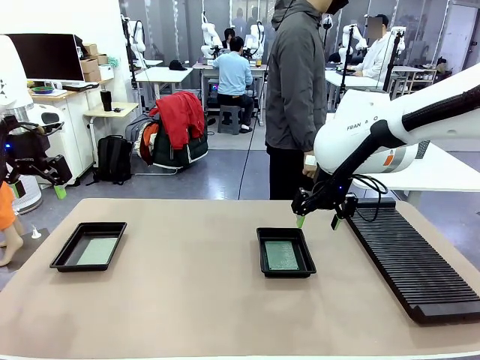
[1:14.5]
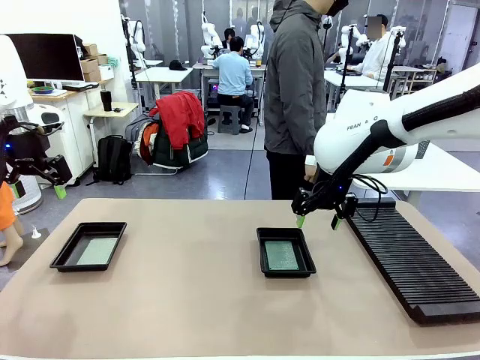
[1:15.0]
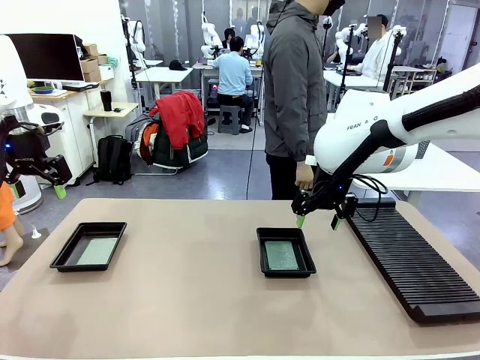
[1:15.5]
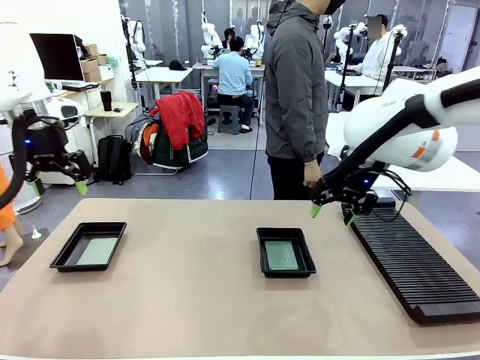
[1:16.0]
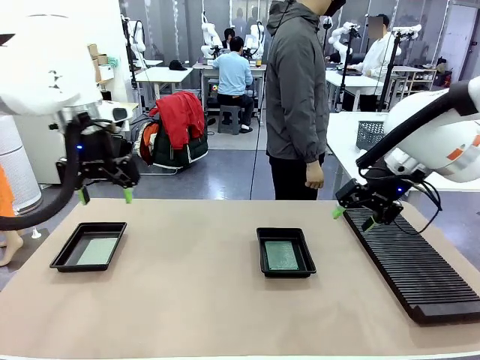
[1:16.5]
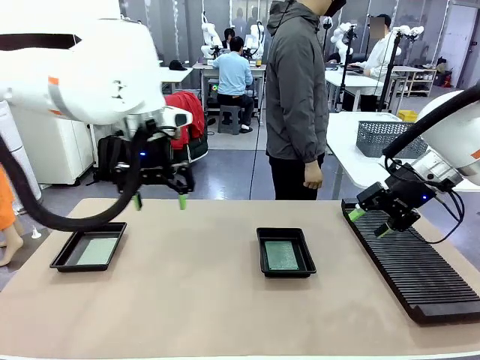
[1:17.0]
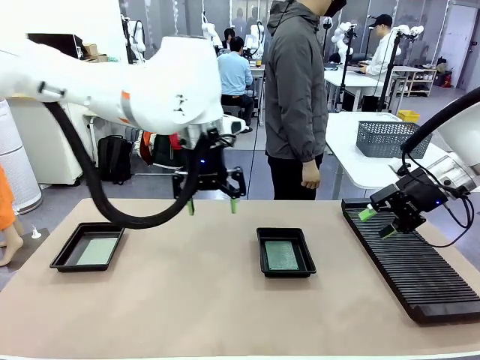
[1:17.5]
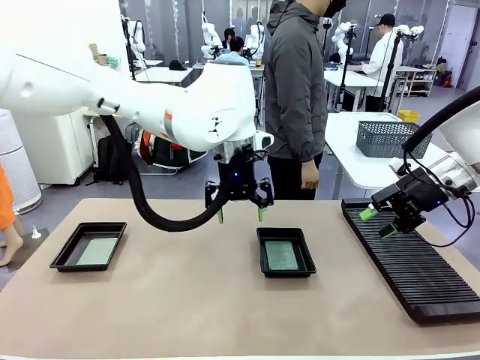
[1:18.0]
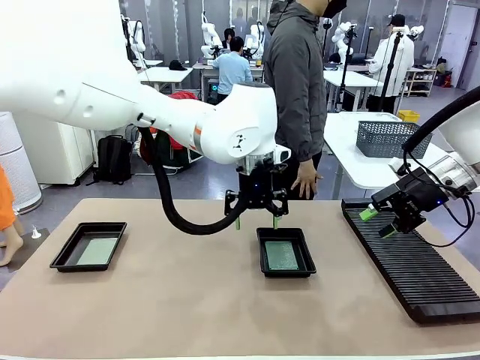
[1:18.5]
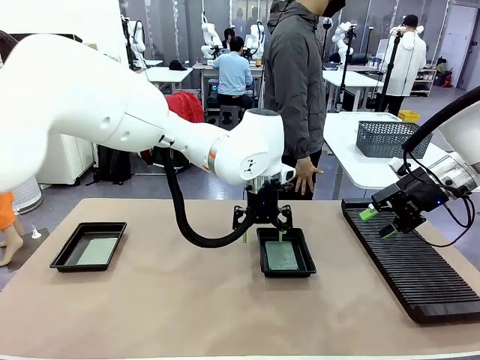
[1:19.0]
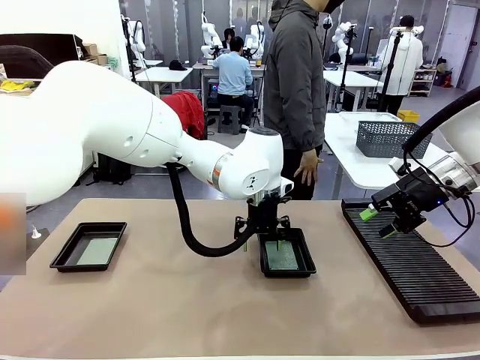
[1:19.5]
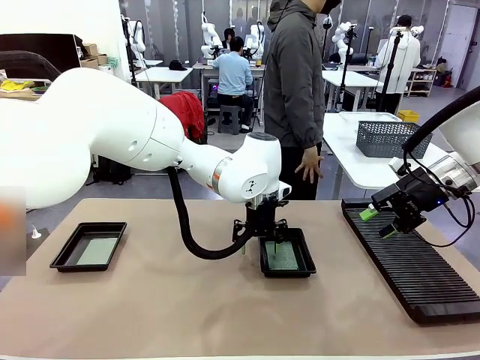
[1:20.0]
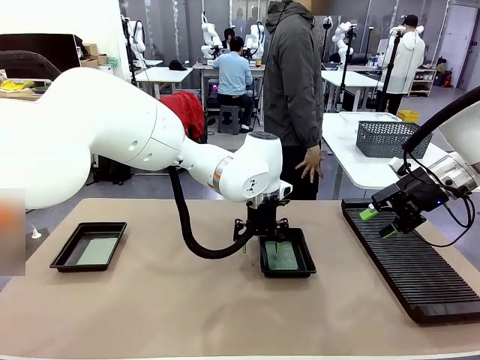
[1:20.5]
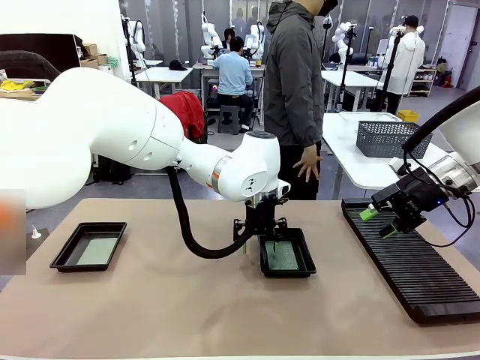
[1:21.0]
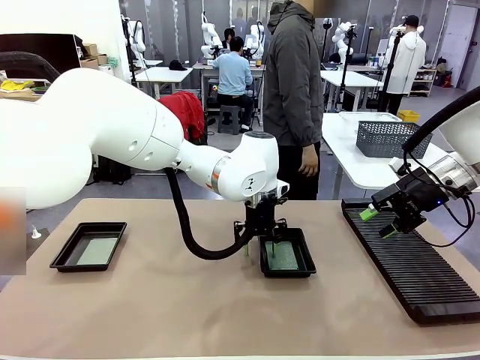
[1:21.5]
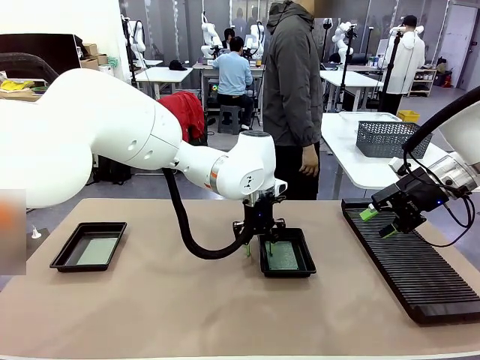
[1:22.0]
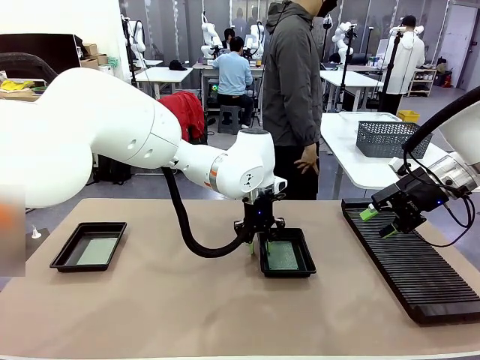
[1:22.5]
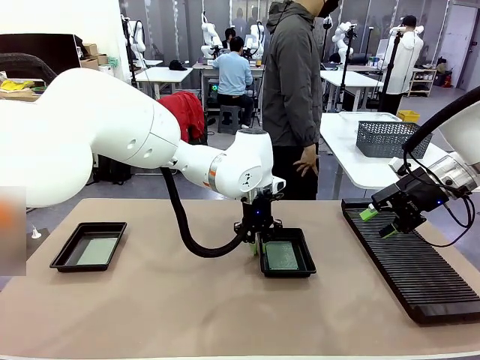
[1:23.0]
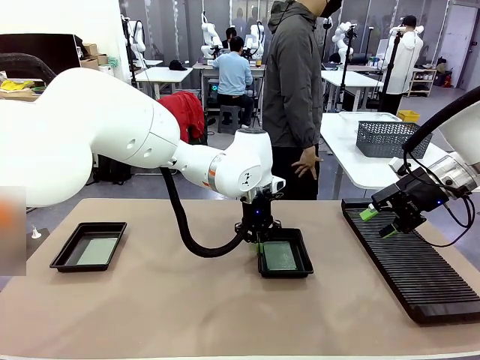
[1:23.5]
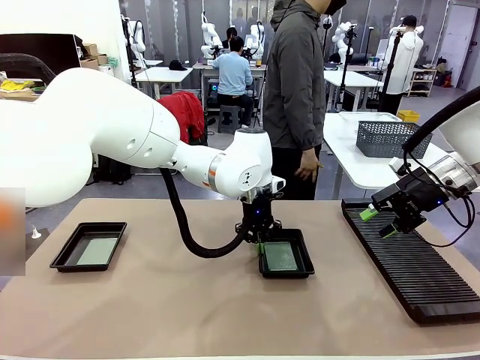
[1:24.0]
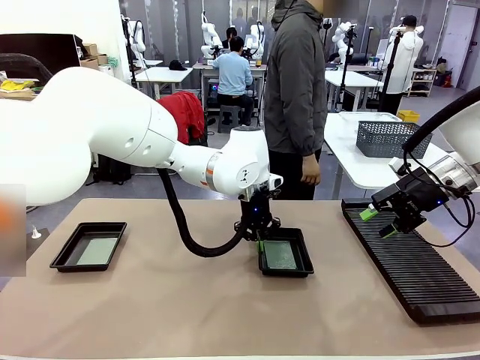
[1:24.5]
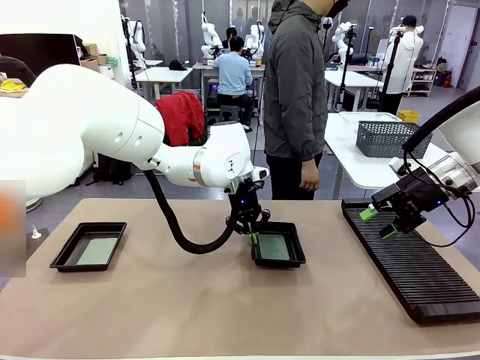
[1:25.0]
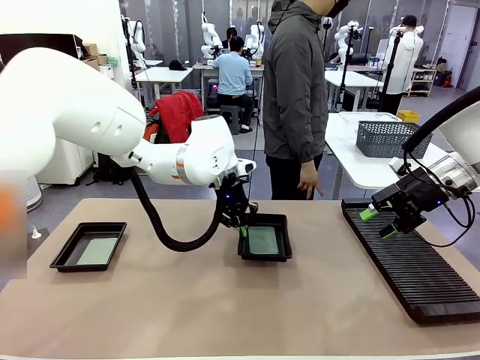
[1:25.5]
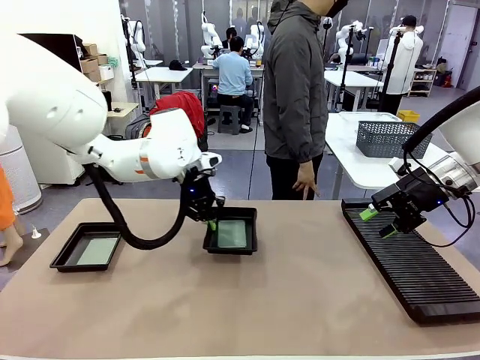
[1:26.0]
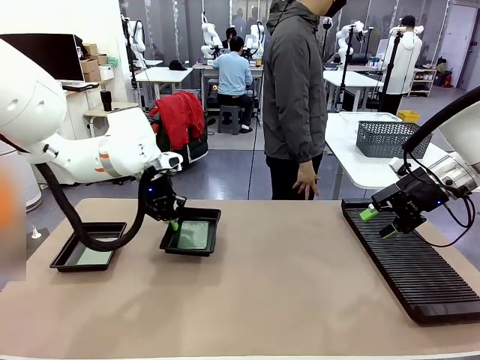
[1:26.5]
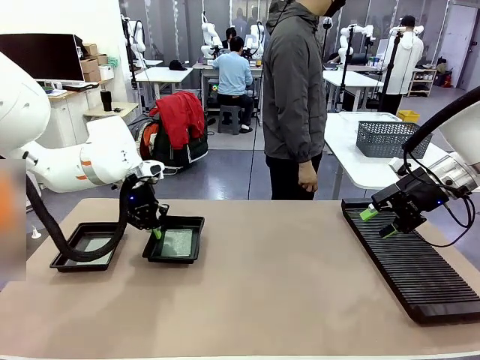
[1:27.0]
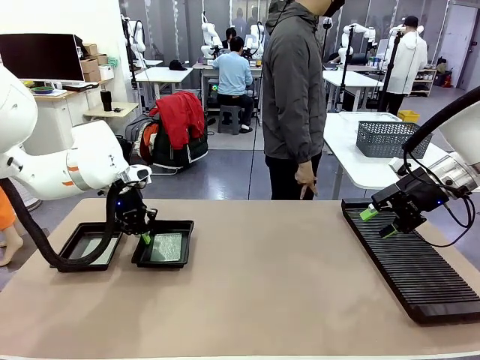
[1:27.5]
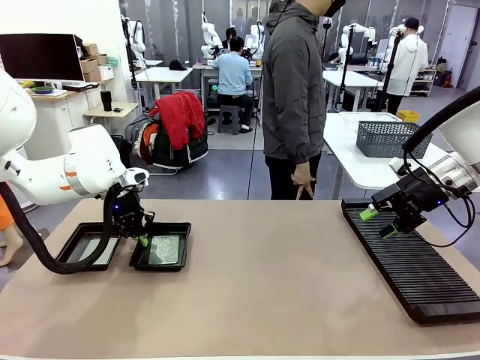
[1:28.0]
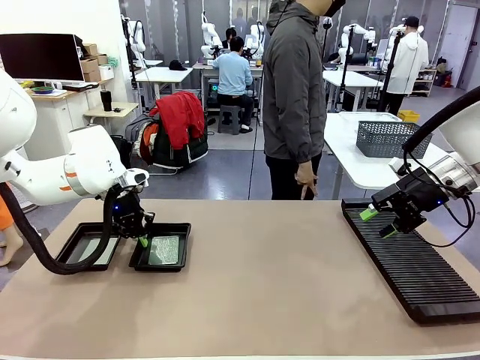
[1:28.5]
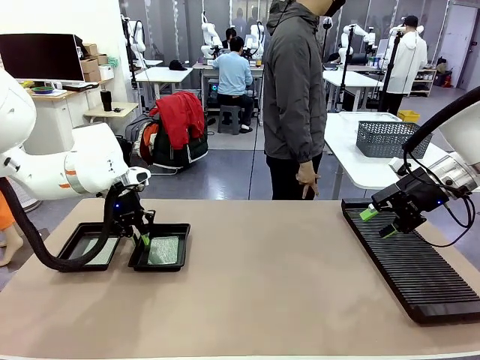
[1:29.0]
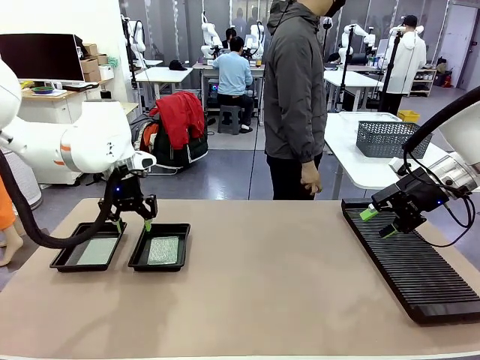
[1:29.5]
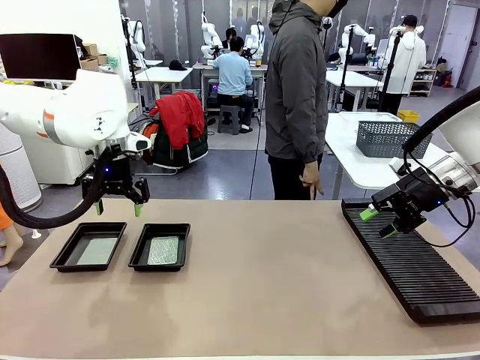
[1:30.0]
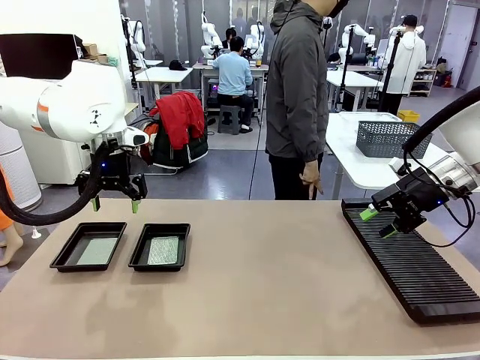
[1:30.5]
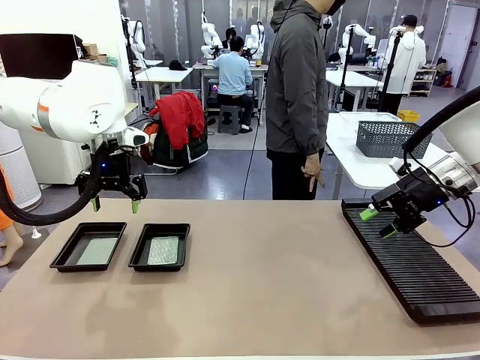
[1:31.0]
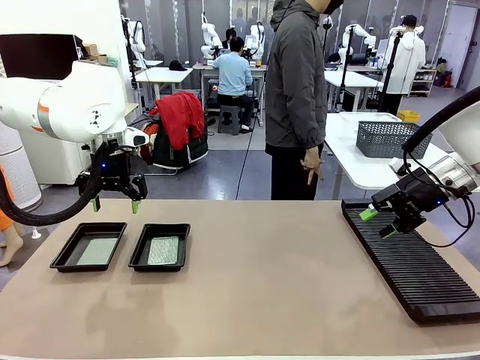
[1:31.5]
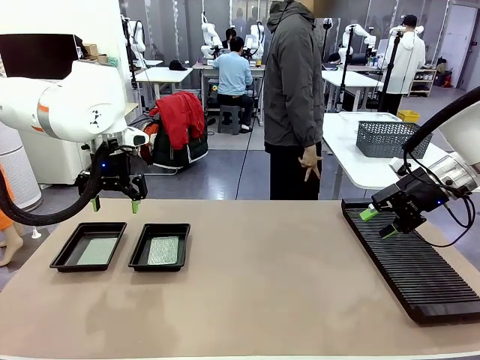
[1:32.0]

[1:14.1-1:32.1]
Task: Inspect and transfer BCBs to ESD trays.
Robot: Pick up the ESD tray and place it on the left side of the table.
